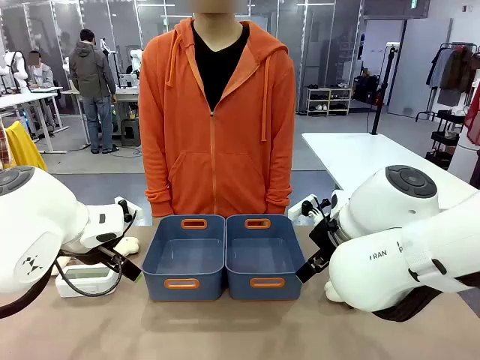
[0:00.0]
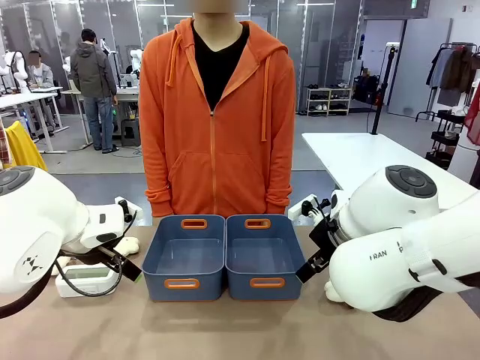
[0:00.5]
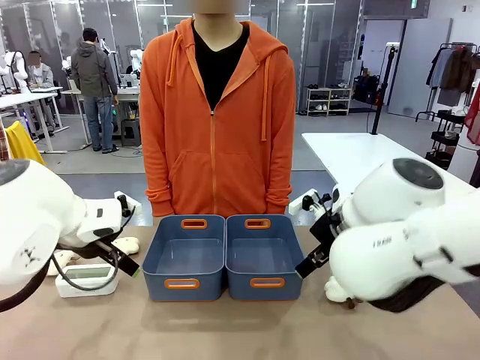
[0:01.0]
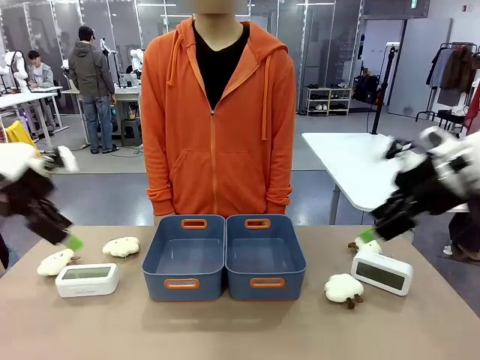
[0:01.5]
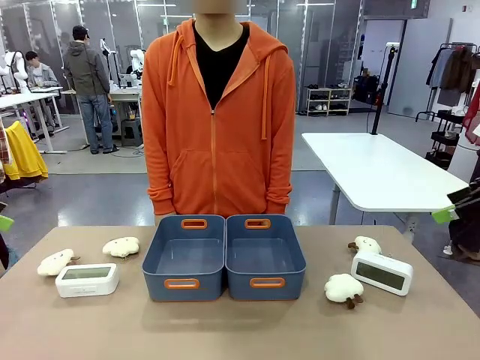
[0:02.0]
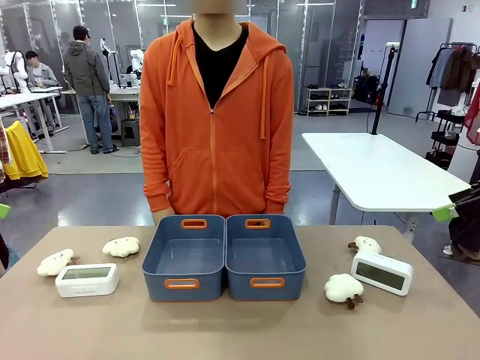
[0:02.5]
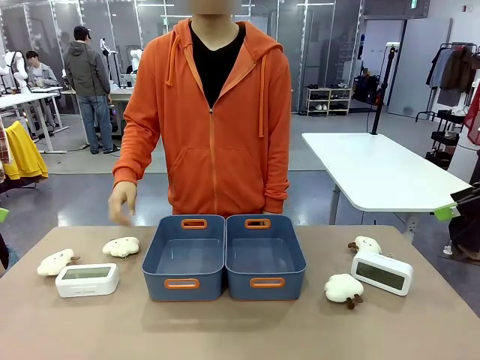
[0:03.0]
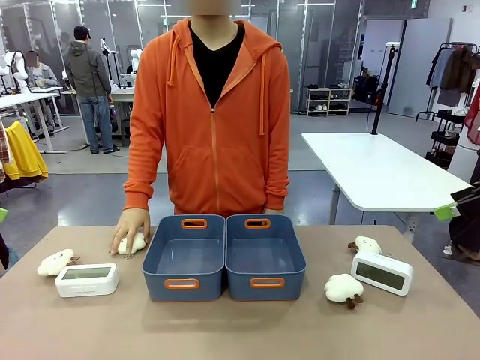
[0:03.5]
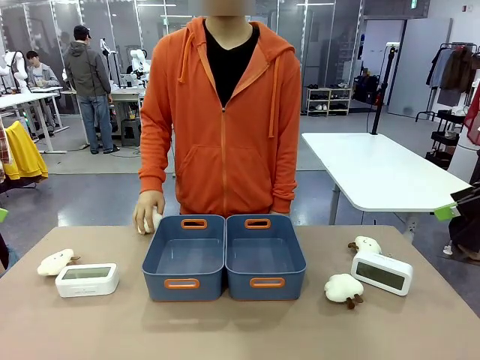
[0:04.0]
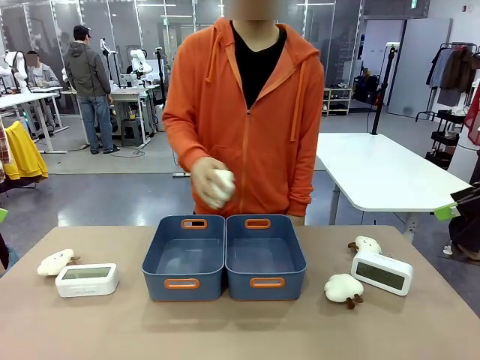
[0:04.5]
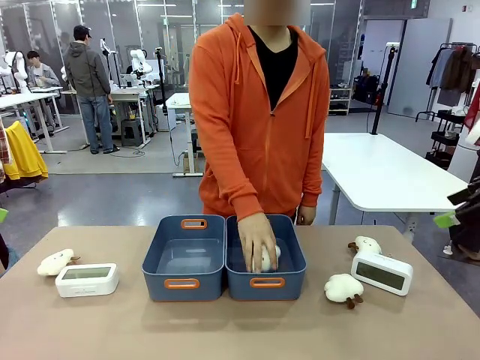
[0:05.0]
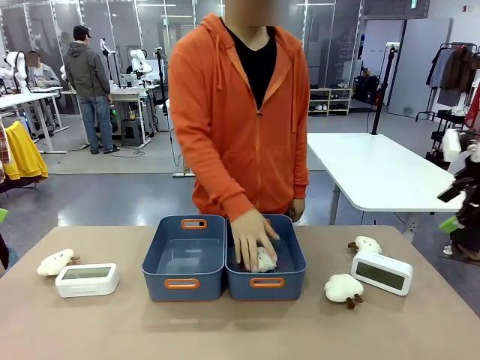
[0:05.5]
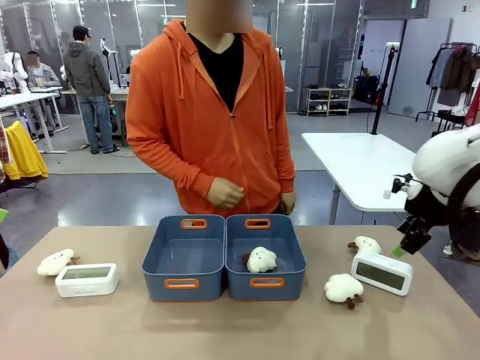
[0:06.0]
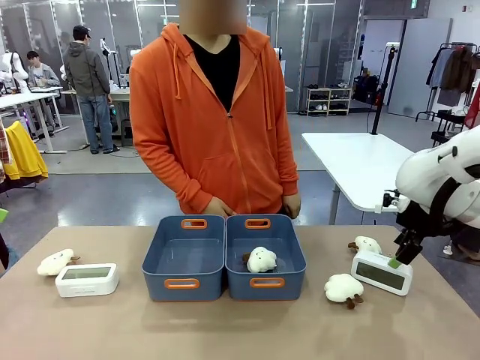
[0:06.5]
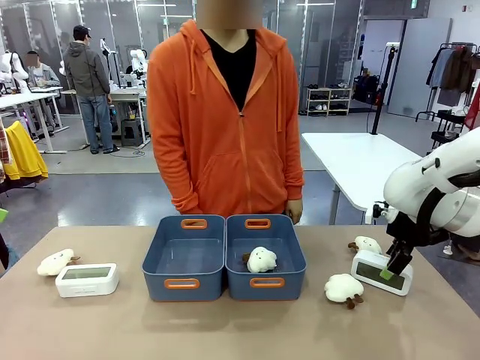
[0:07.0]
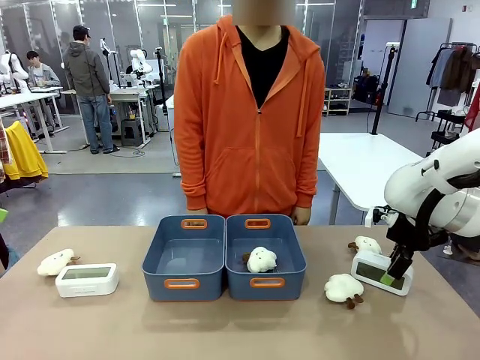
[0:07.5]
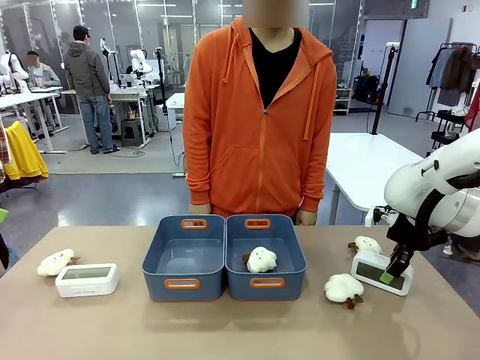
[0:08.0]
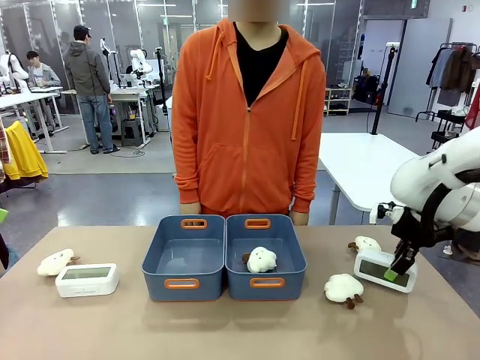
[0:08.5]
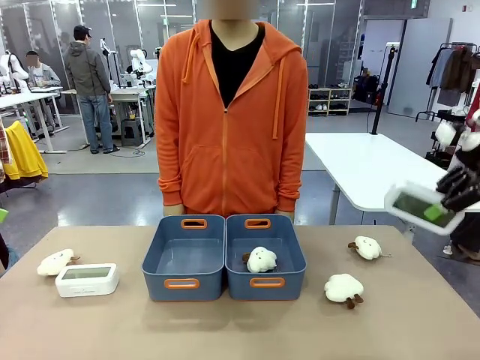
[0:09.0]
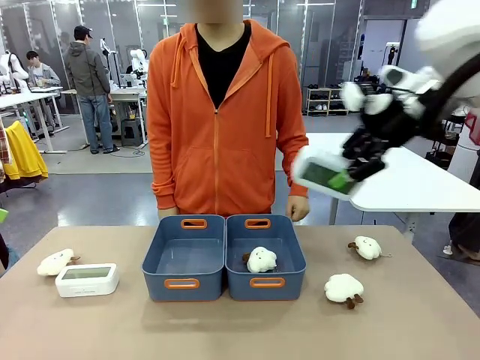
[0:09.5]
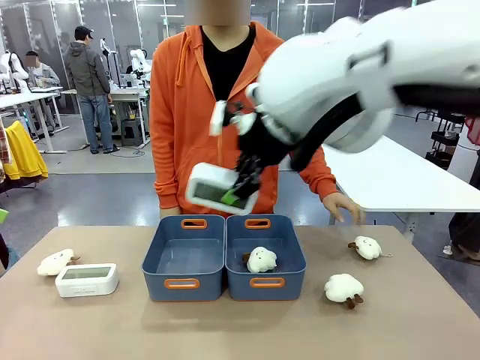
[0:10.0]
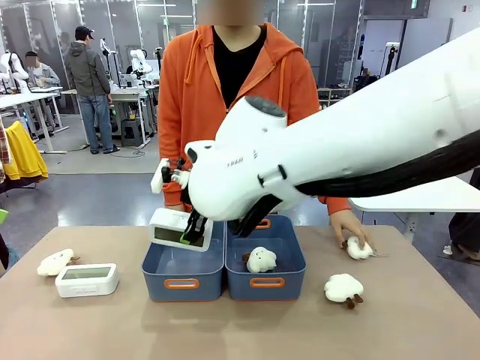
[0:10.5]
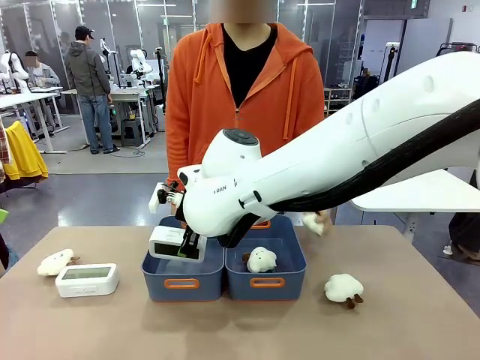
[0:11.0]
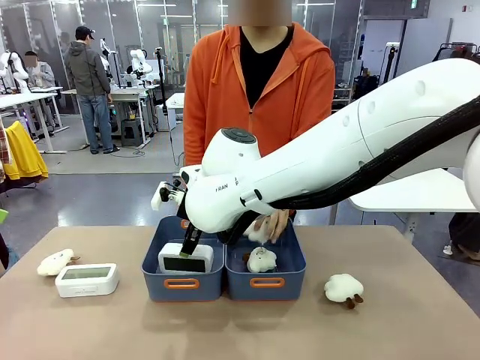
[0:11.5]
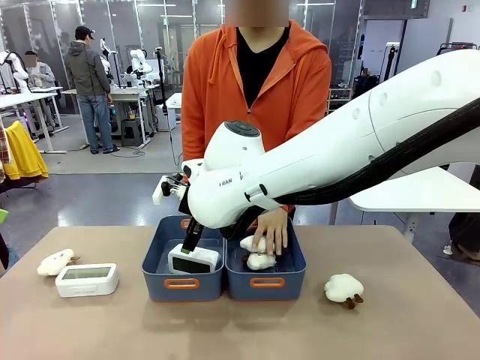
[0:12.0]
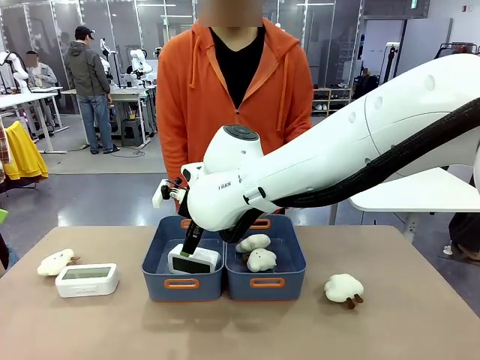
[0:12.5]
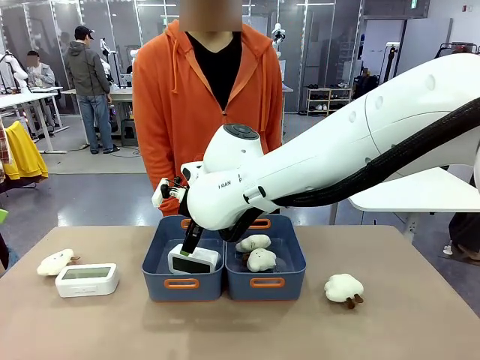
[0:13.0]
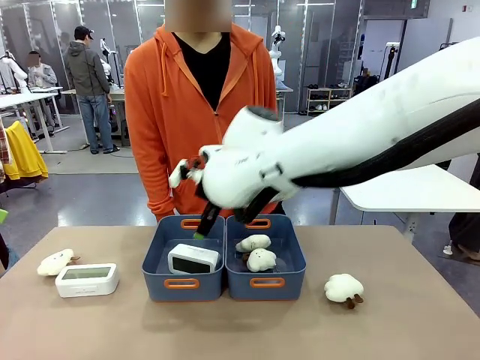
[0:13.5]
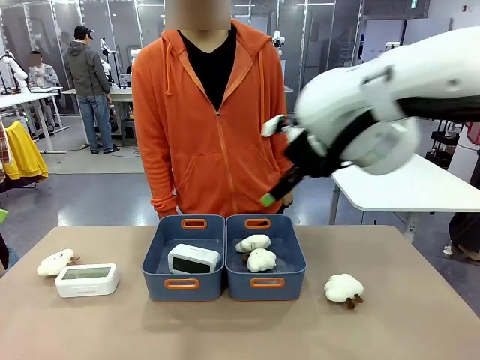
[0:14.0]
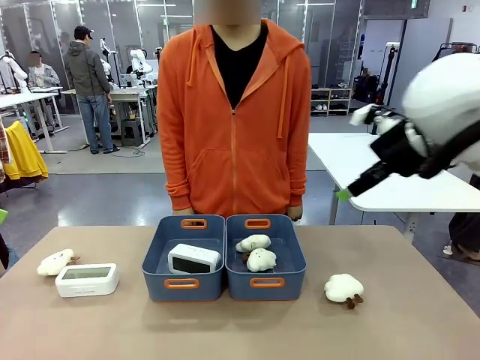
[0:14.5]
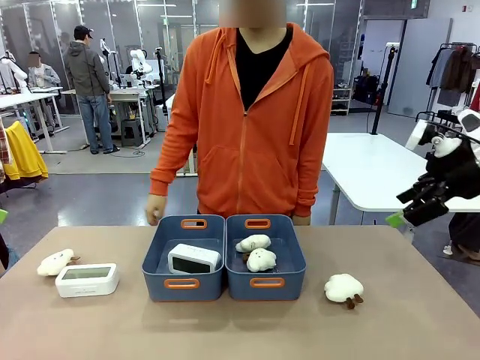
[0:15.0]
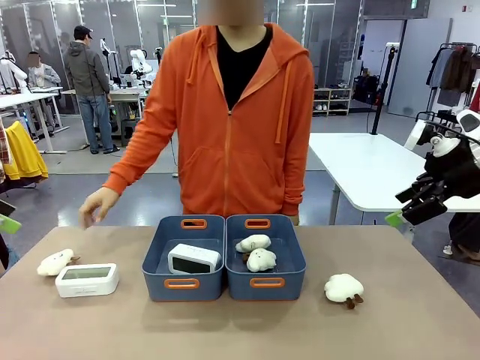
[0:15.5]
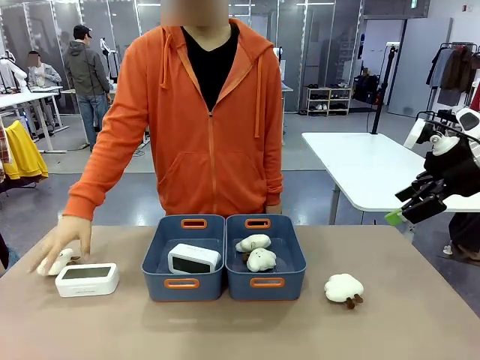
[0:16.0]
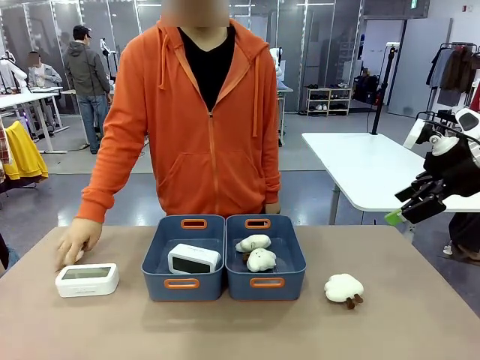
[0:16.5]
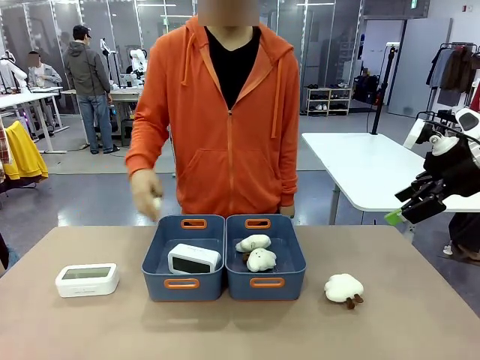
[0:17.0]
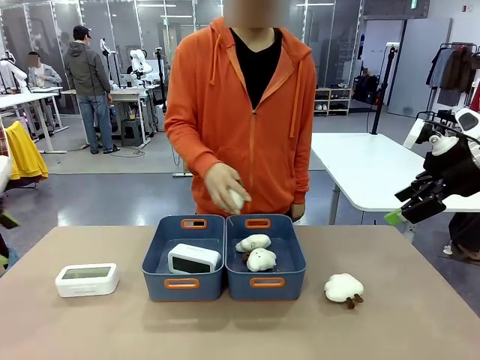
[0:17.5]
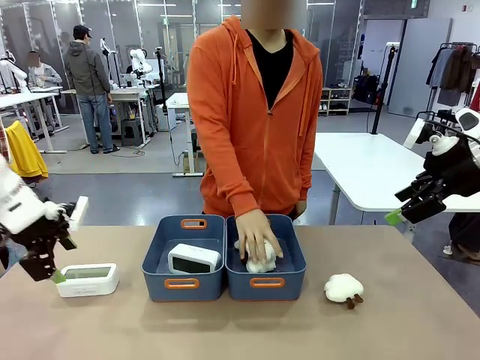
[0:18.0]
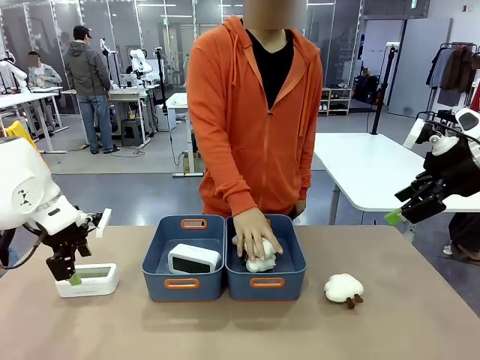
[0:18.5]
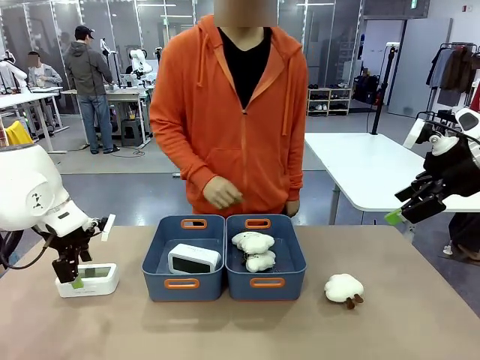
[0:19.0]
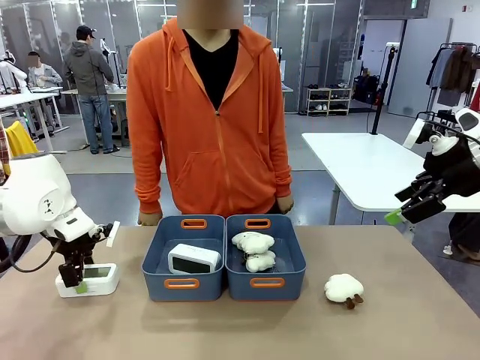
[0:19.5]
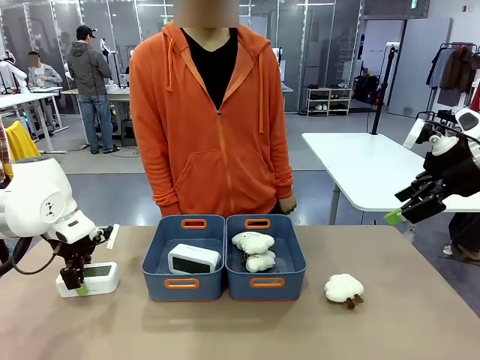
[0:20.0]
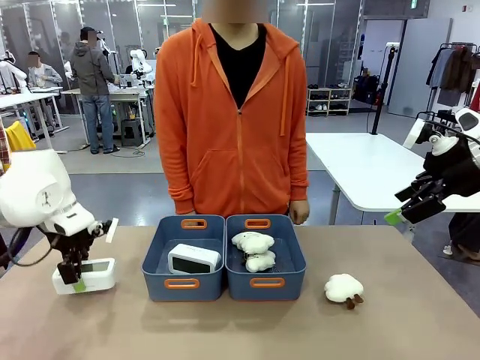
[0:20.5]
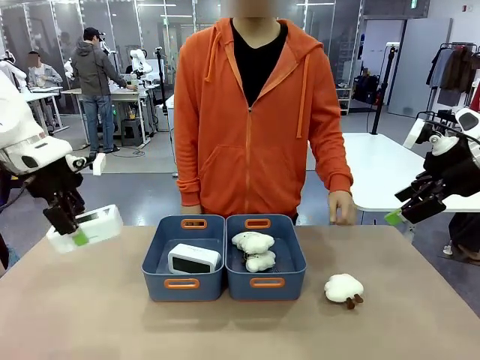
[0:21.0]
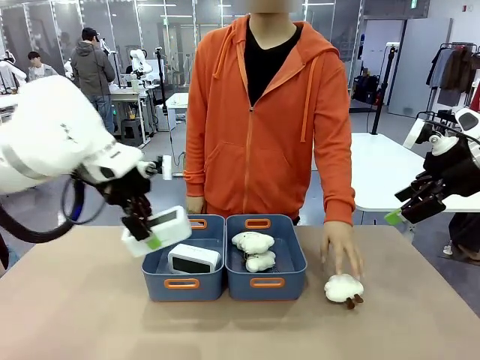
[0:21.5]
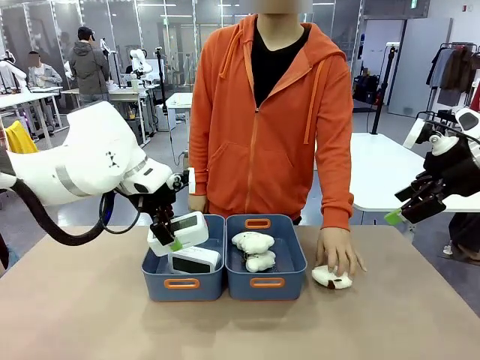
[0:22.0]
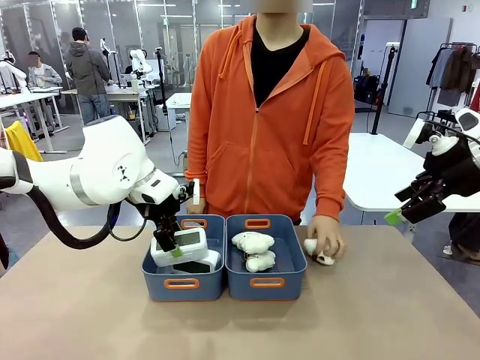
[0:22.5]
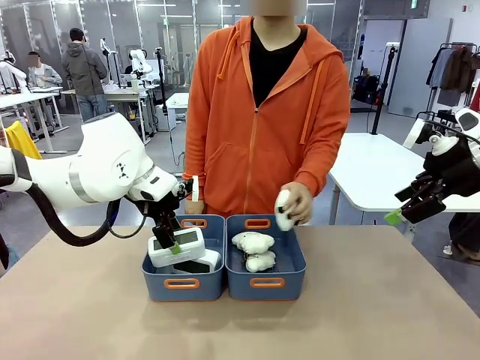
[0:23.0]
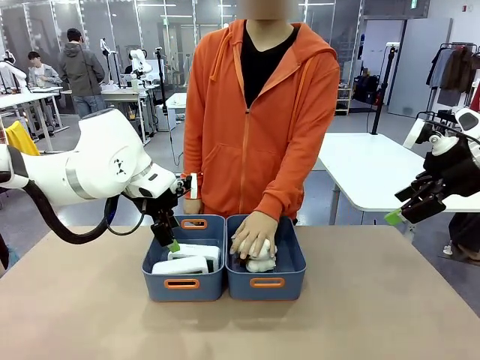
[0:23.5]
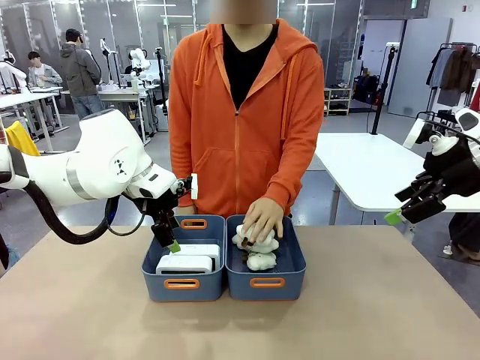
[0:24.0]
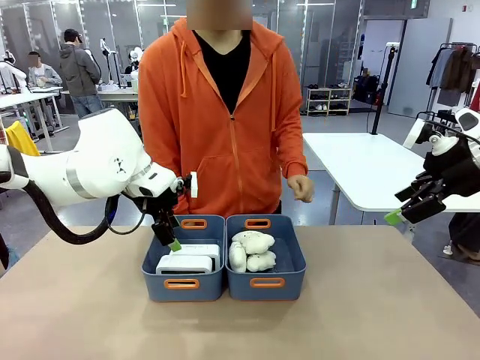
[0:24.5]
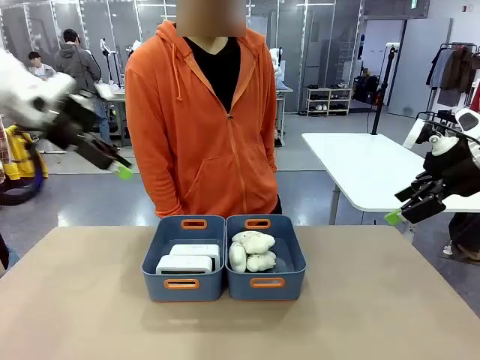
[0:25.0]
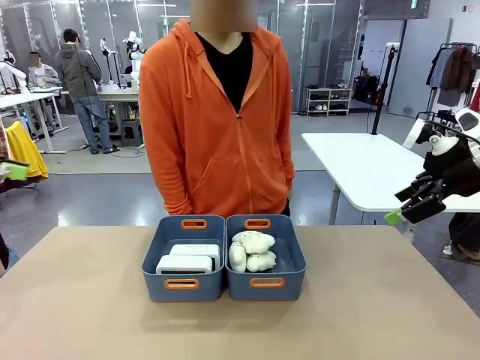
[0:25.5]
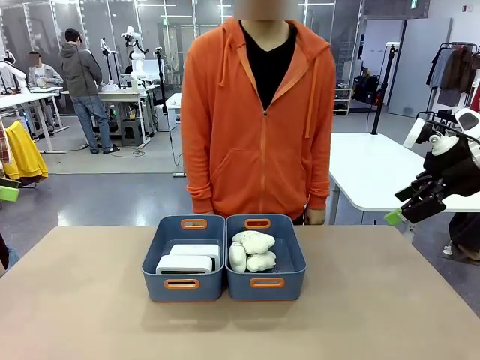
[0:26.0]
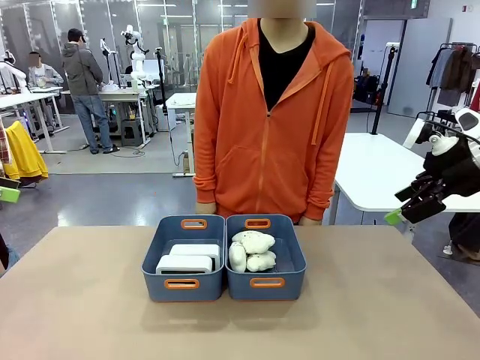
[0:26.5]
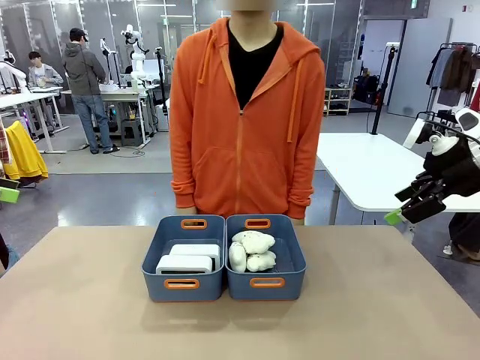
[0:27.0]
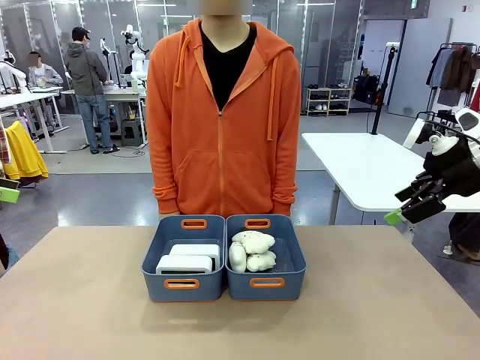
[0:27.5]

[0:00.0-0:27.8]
Task: Sort the digital clocks into the basket.
Robot: Pick up the Digital clock from the table and place it into the empty Plastic storage basket.
Person: Pick up a plush toy from the table and place it in a plastic storage basket. Pick up a plush toy from the table and place it in the plastic storage basket containing the plush toy.
